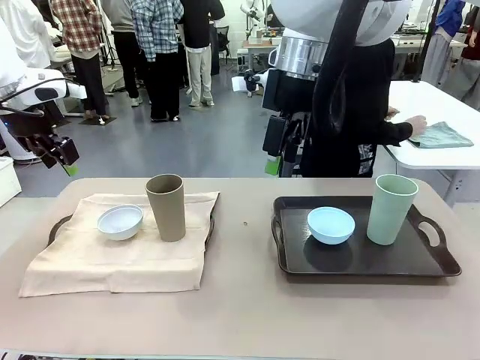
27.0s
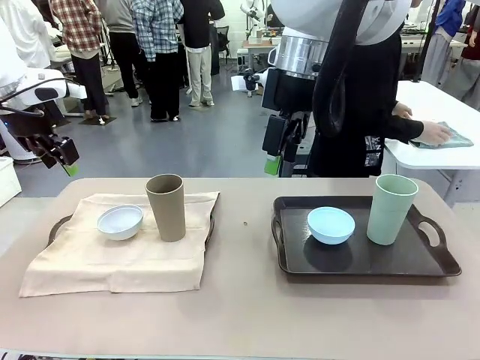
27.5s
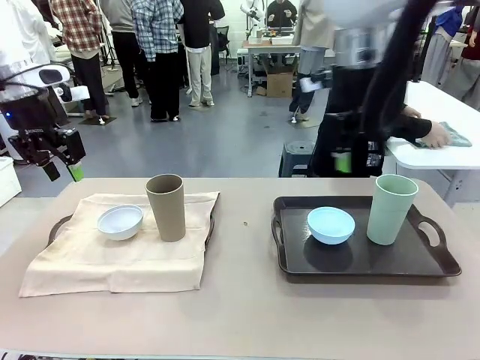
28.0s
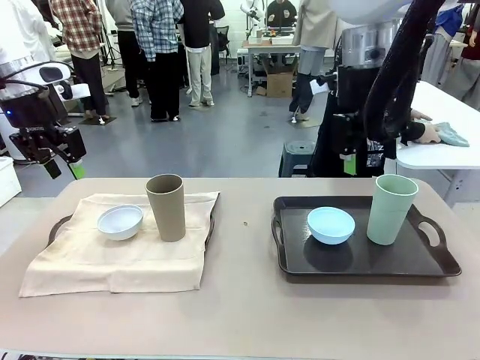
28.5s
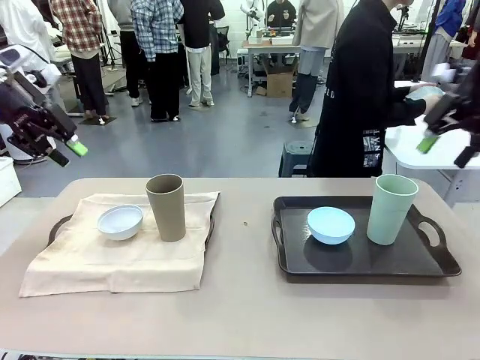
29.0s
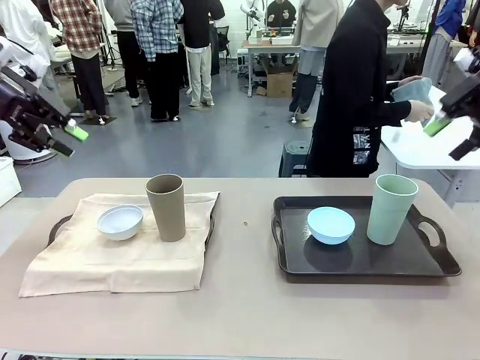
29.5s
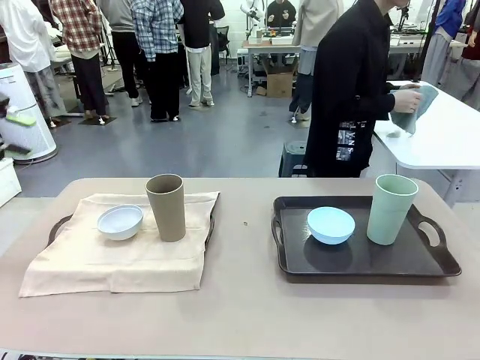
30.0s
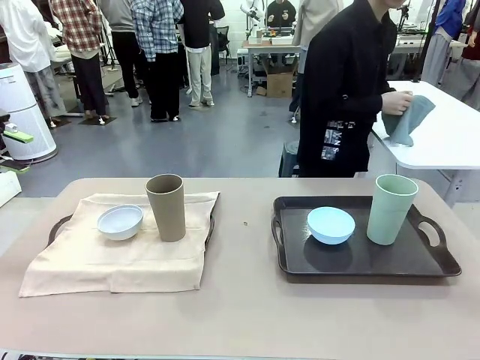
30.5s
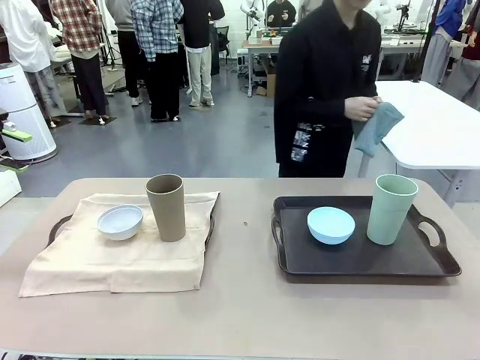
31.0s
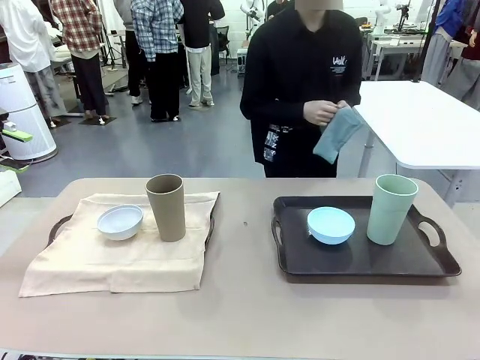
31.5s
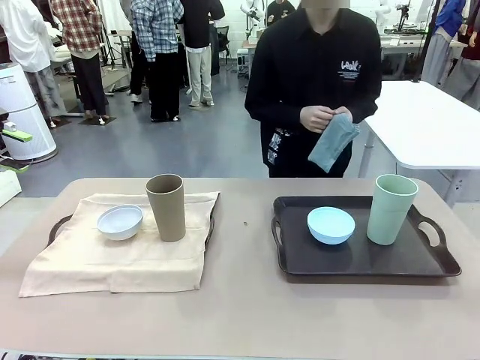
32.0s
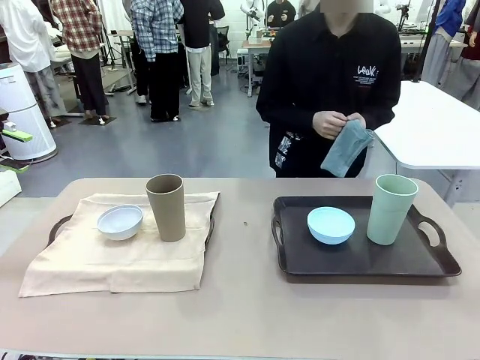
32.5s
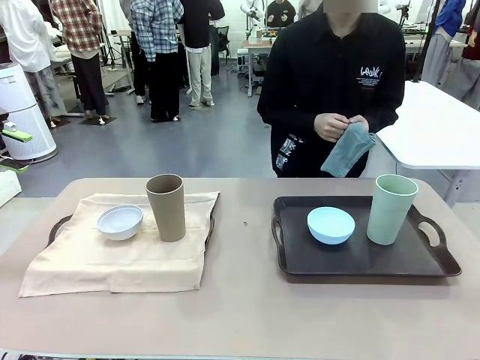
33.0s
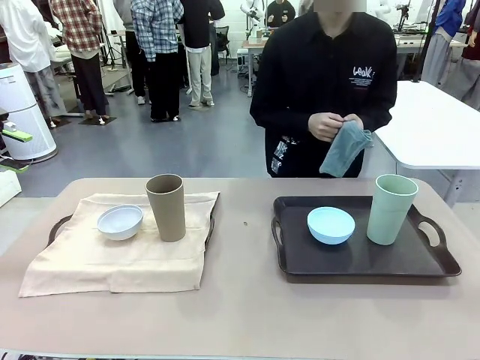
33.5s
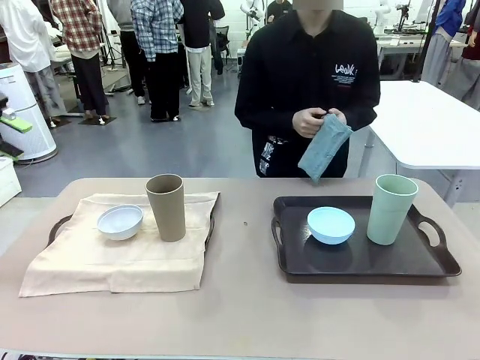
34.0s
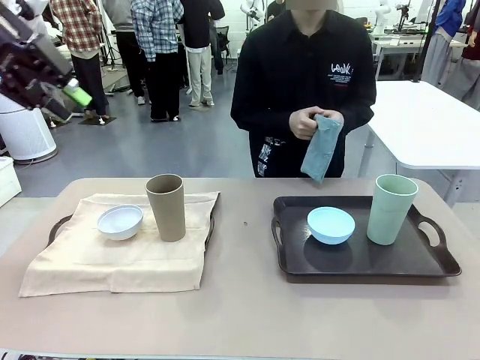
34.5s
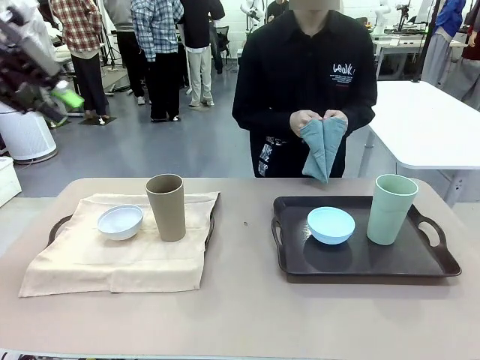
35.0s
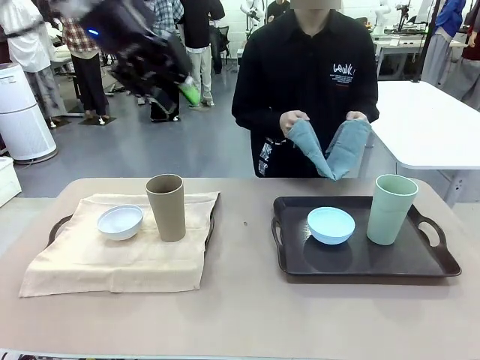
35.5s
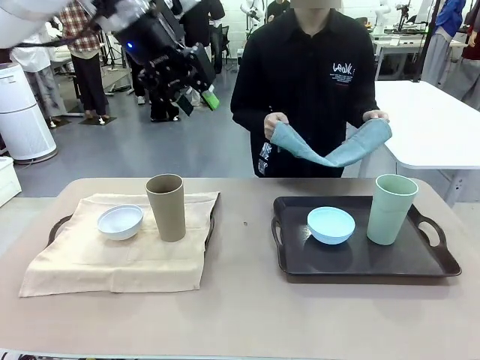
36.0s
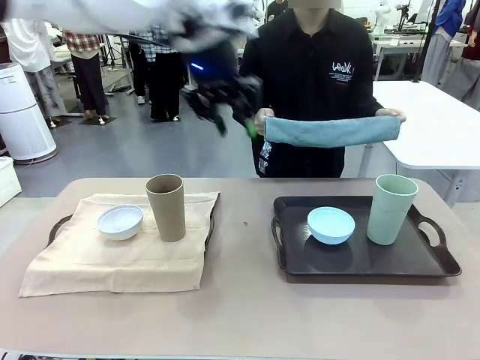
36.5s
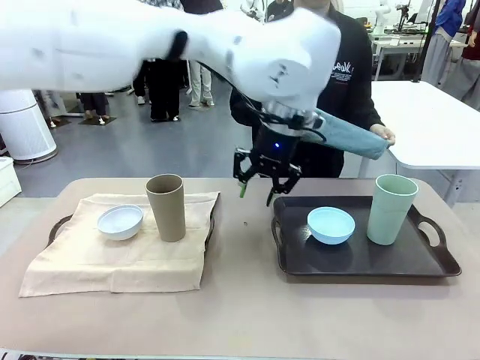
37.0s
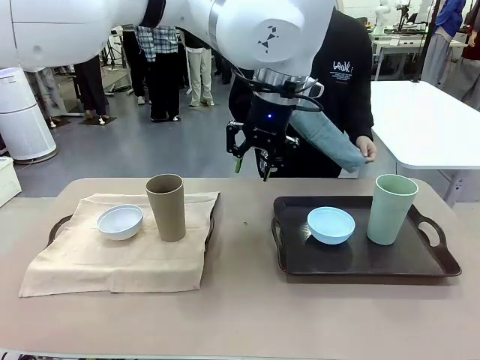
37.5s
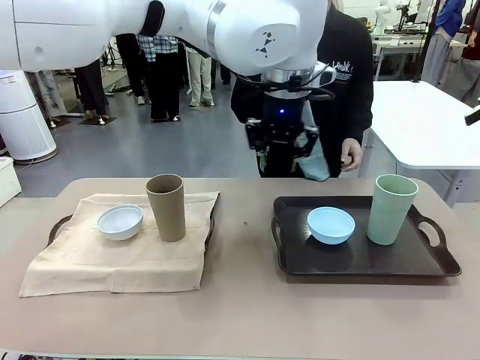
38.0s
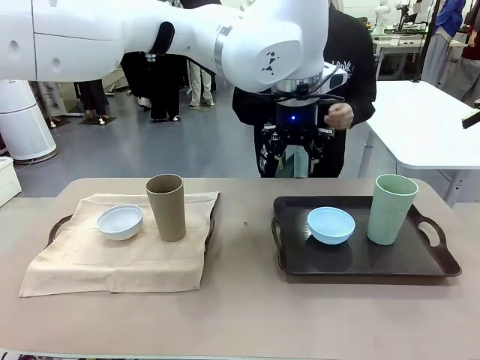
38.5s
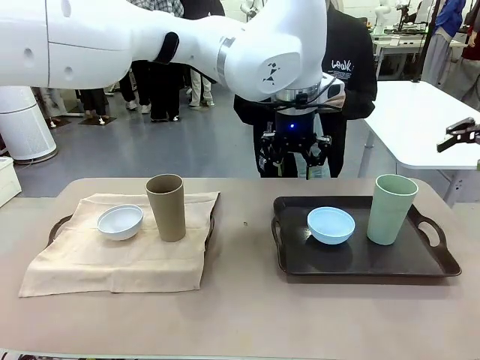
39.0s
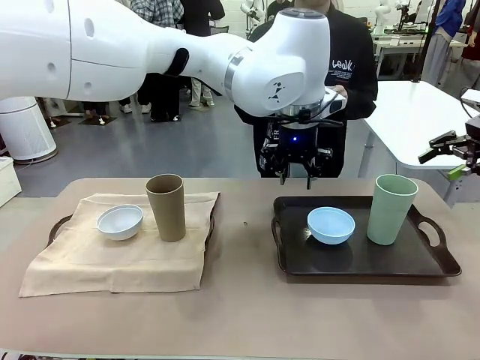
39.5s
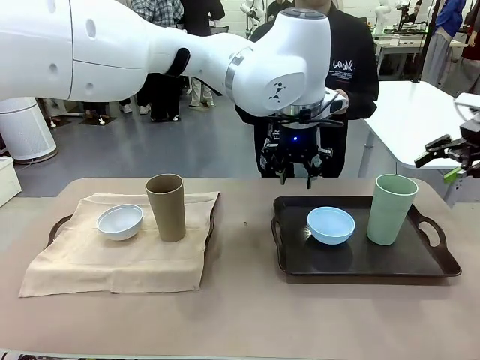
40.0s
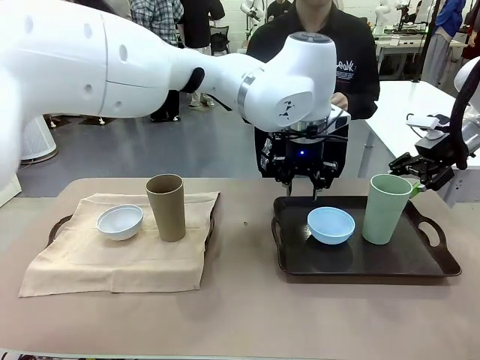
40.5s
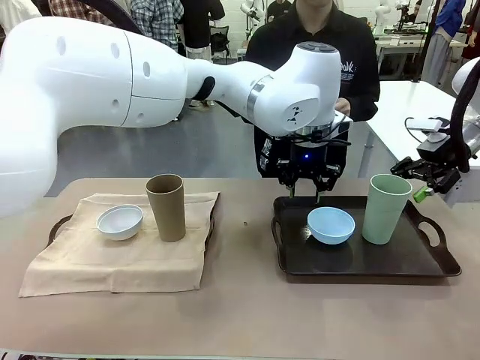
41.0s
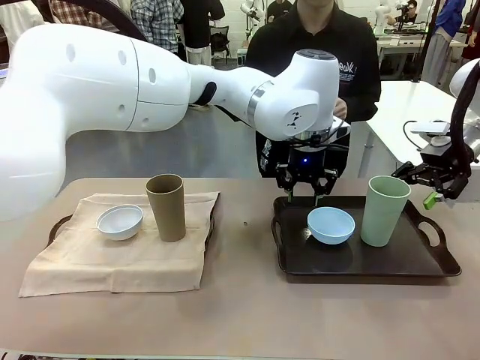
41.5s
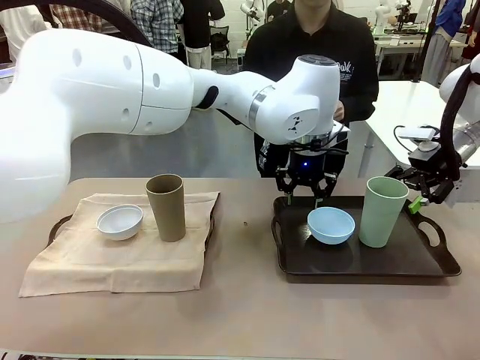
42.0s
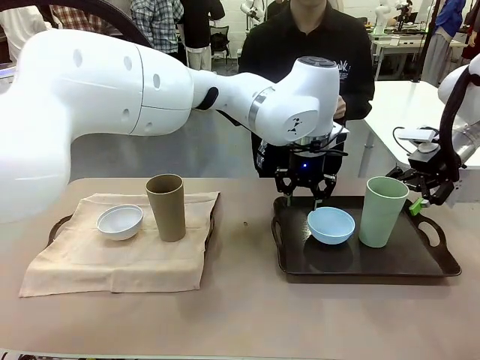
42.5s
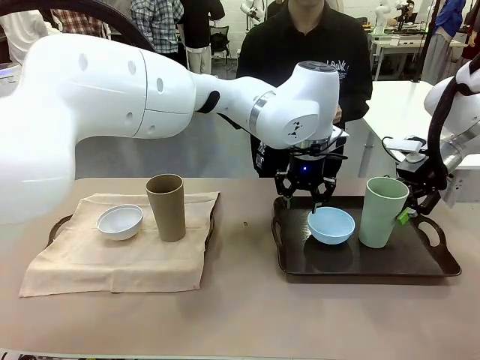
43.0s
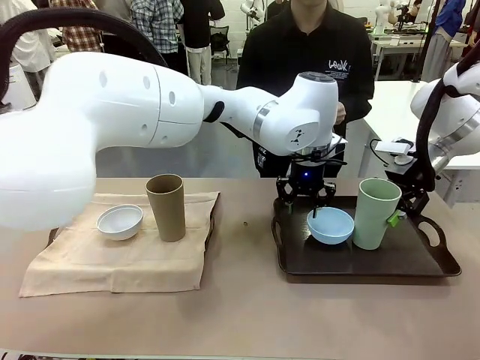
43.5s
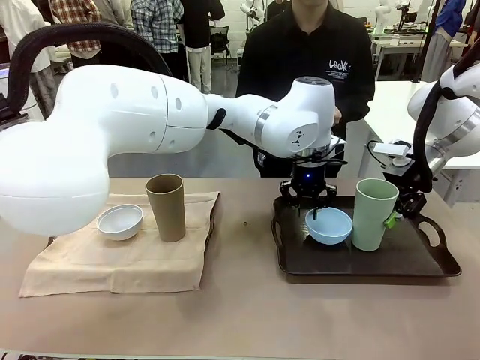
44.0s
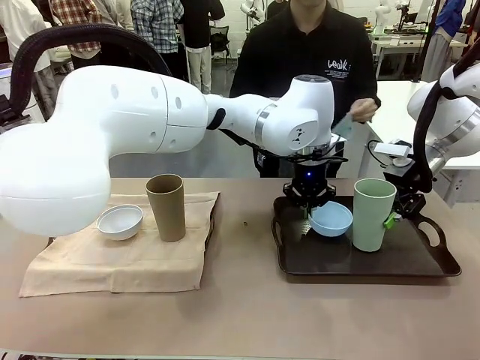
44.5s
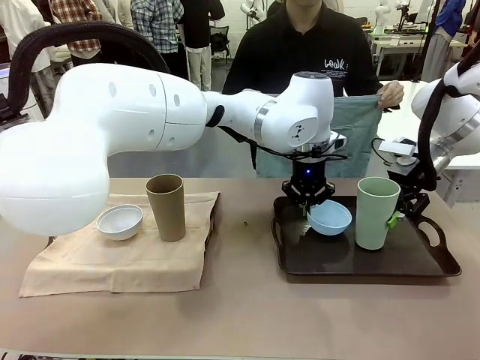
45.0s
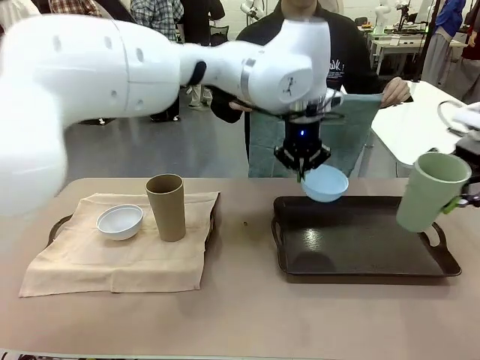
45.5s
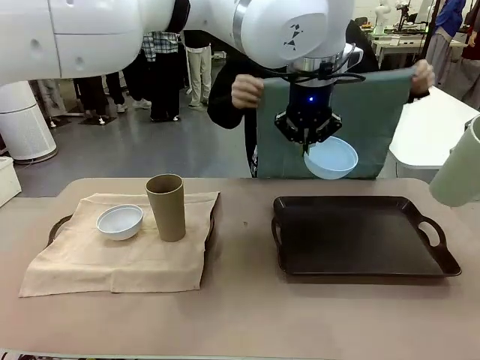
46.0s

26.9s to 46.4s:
Robot: Pick up the Picnic Bowl and Reusable plastic cup from the Handle tray in front of the human's position and hold them in the air.
Person: The human returns to the human table to pick up another napkin and walks to the robot table to stand in front of the tray without a napkin.

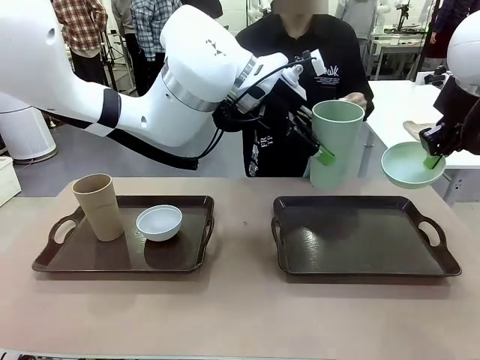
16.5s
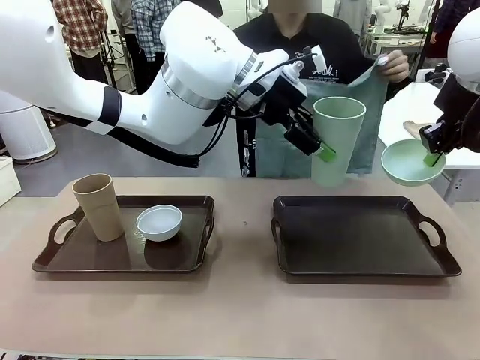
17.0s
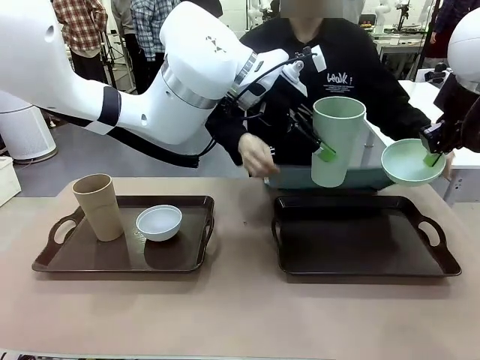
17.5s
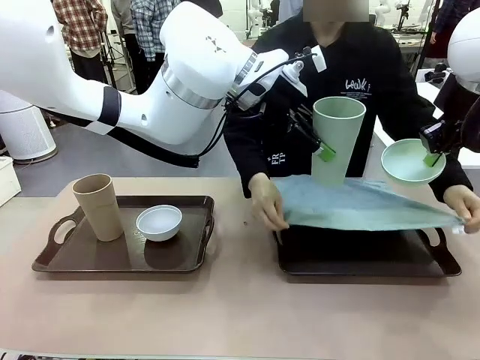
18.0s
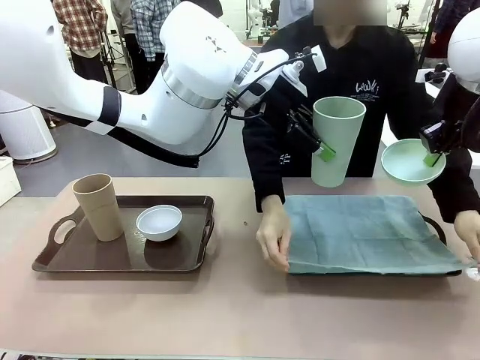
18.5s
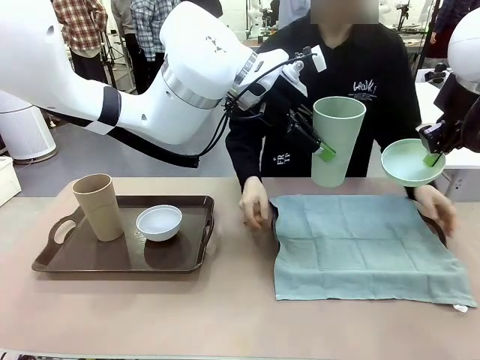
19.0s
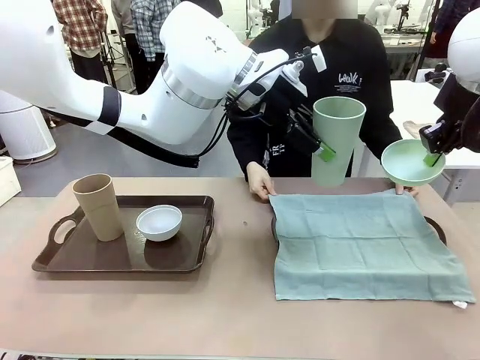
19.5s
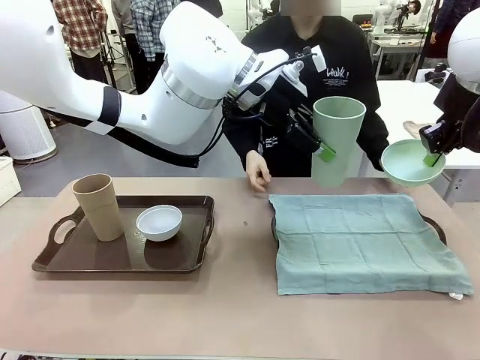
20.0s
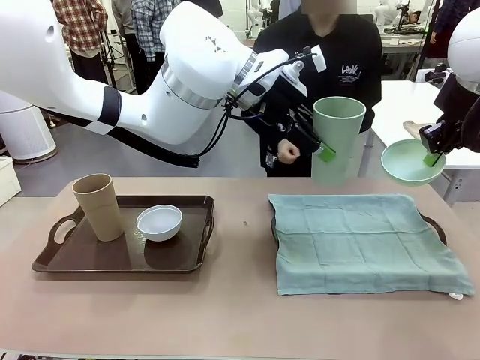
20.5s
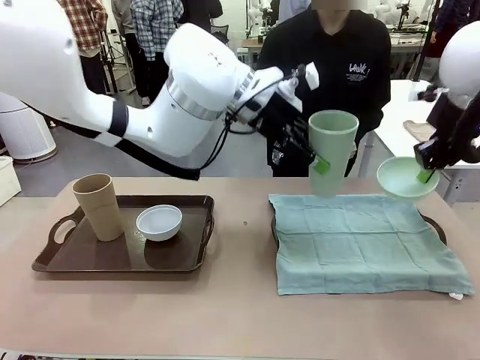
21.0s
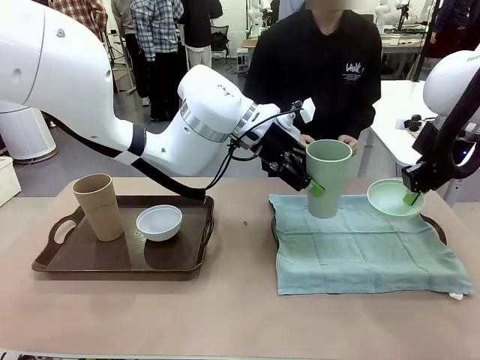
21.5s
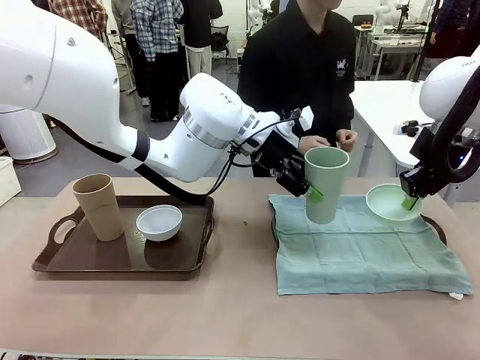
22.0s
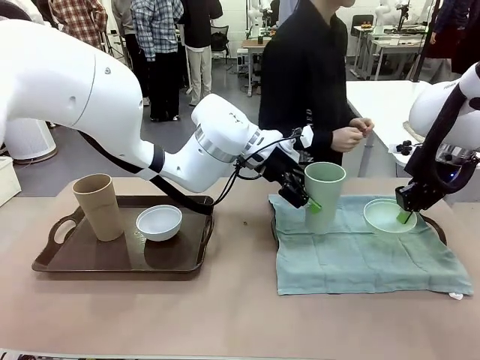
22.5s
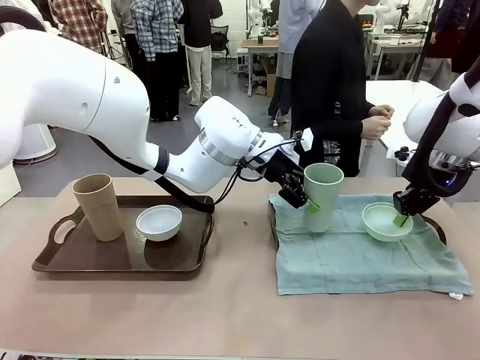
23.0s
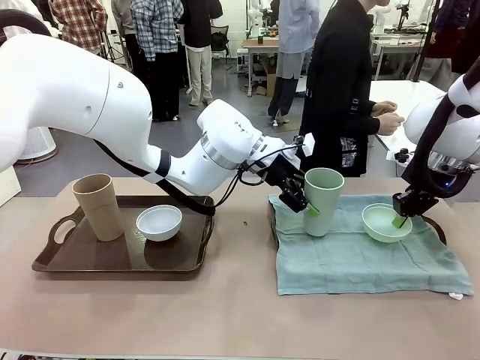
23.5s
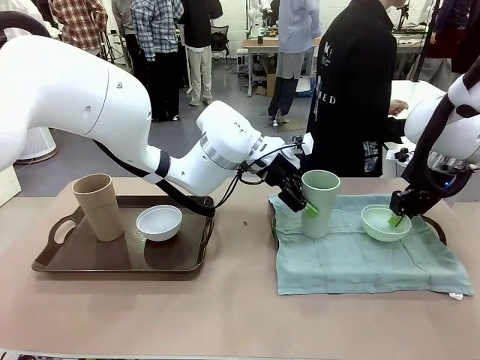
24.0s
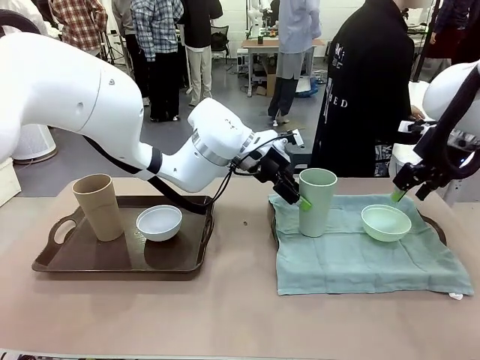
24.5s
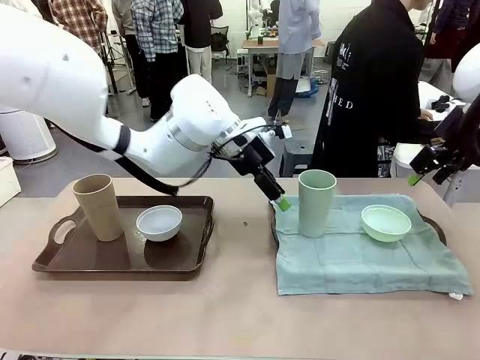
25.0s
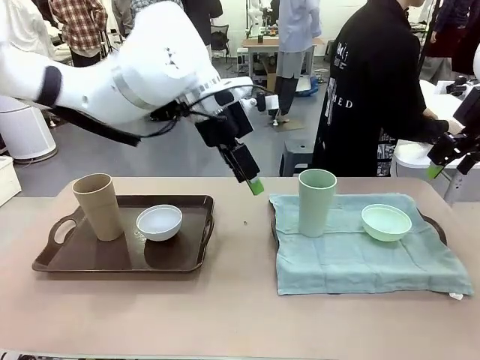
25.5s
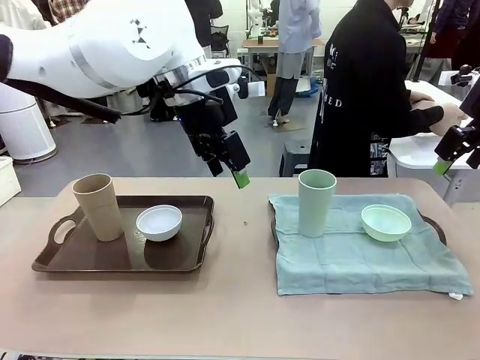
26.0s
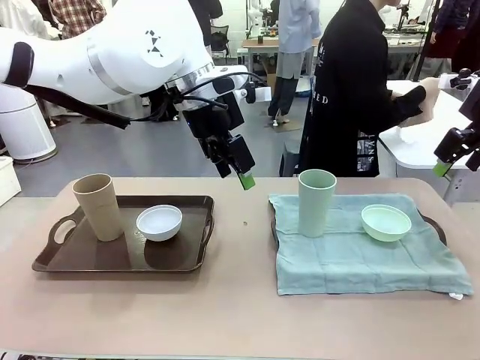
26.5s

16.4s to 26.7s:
Robot: Place the Picnic Bowl and Reusable plastic cup back onto the Handle tray in front of the human's position.
